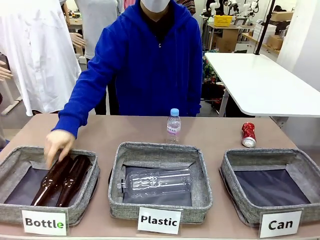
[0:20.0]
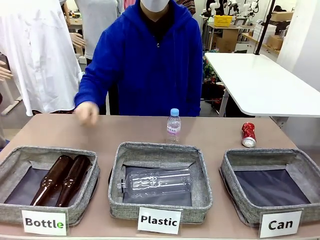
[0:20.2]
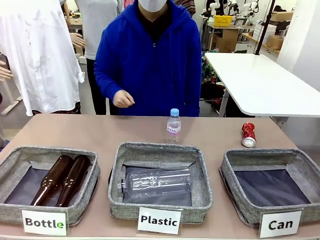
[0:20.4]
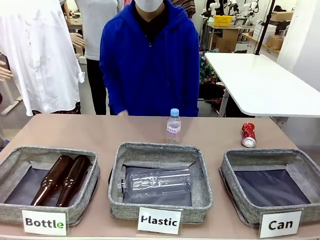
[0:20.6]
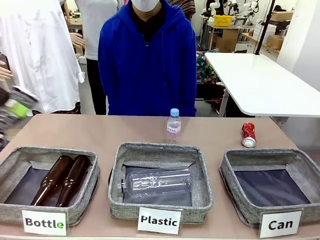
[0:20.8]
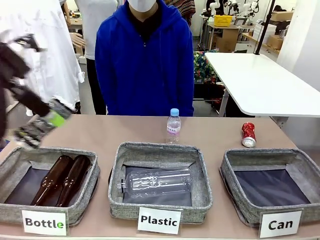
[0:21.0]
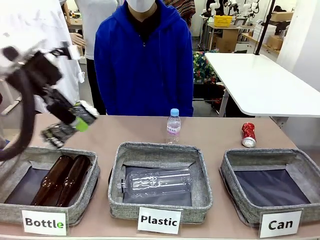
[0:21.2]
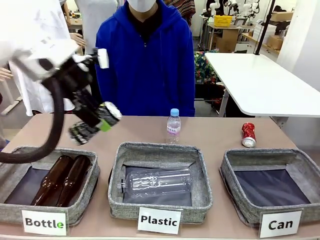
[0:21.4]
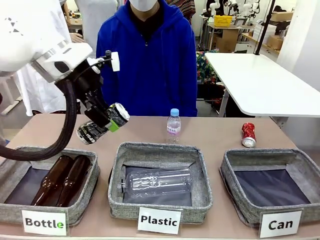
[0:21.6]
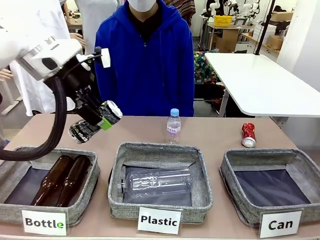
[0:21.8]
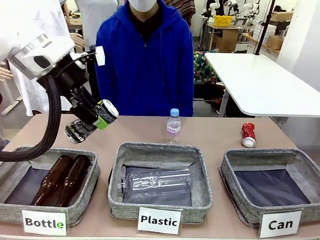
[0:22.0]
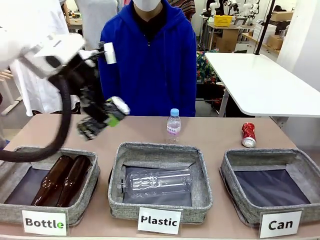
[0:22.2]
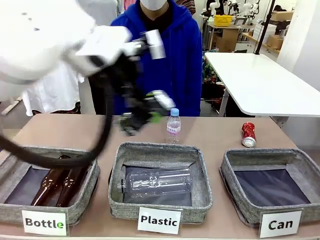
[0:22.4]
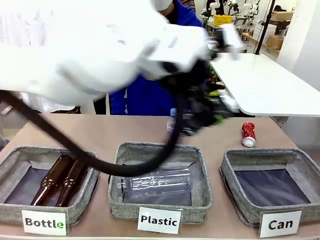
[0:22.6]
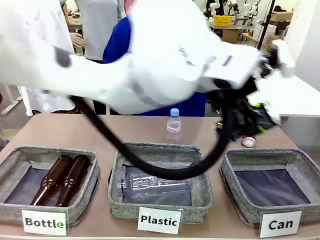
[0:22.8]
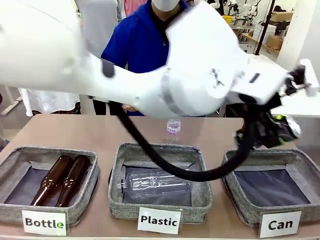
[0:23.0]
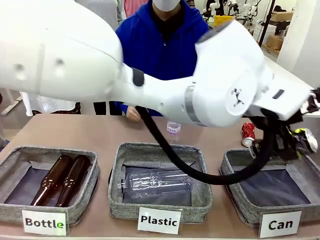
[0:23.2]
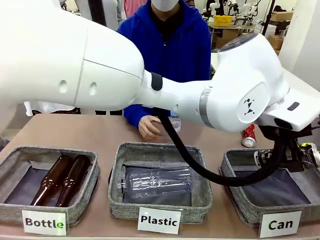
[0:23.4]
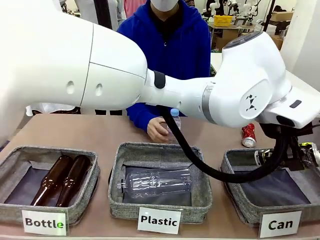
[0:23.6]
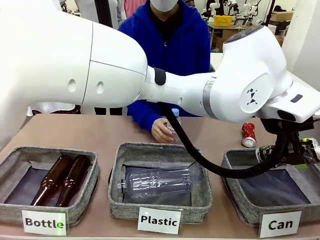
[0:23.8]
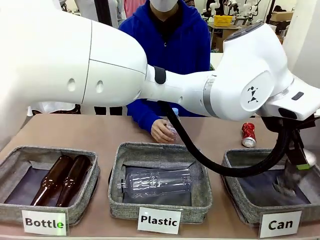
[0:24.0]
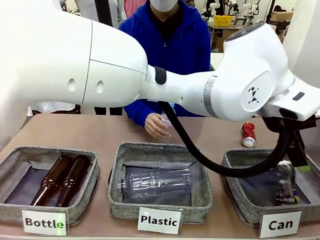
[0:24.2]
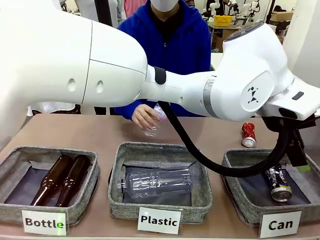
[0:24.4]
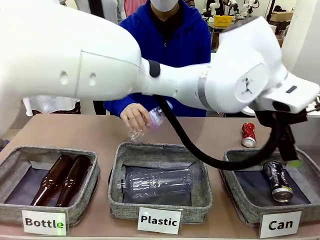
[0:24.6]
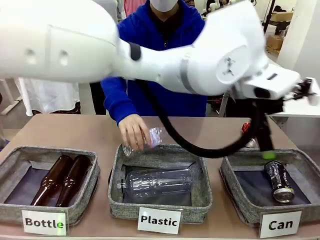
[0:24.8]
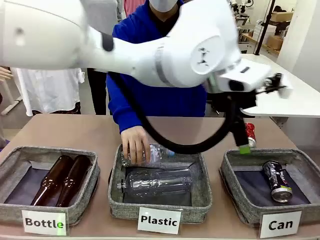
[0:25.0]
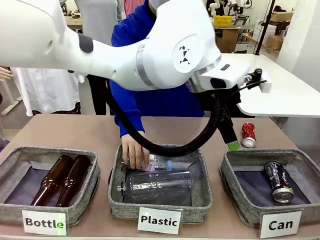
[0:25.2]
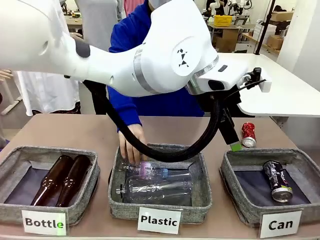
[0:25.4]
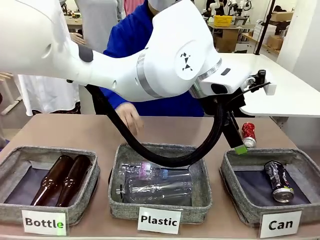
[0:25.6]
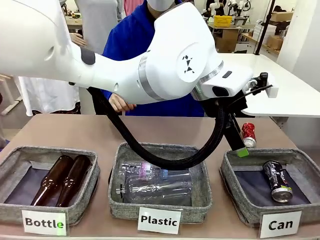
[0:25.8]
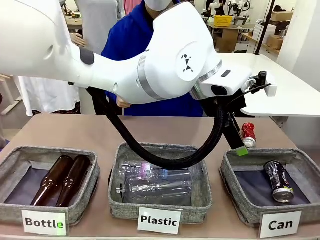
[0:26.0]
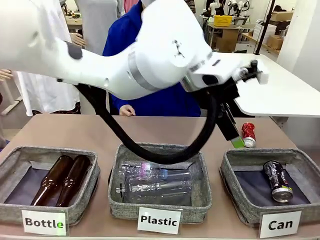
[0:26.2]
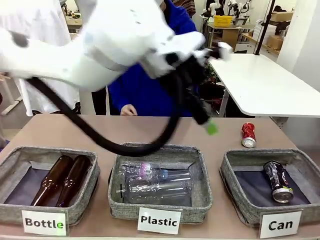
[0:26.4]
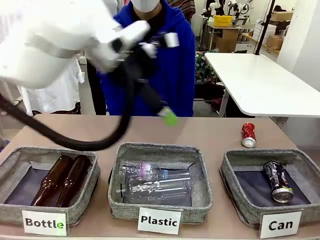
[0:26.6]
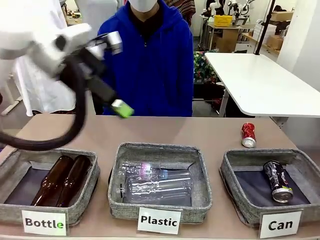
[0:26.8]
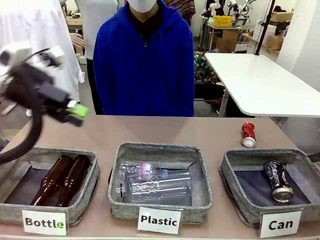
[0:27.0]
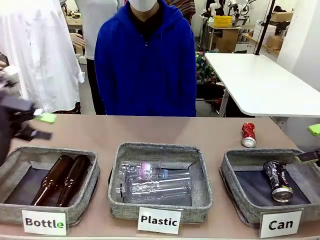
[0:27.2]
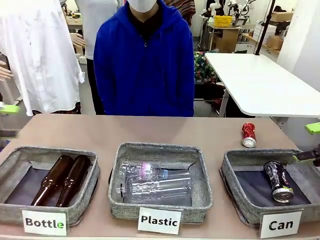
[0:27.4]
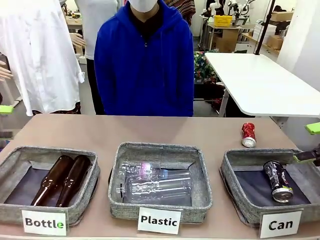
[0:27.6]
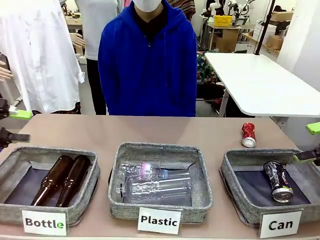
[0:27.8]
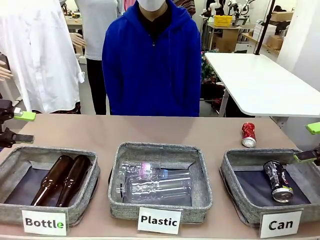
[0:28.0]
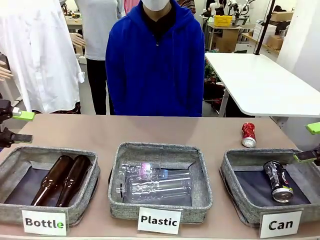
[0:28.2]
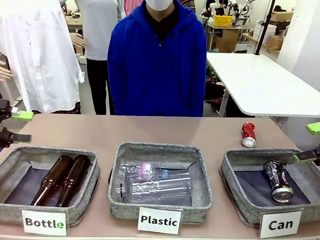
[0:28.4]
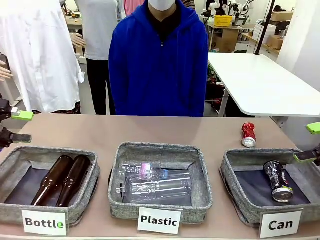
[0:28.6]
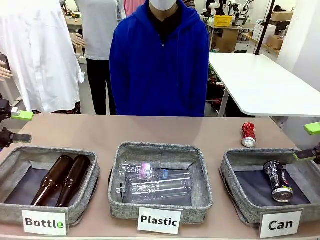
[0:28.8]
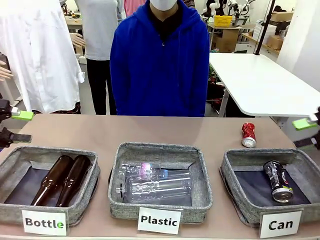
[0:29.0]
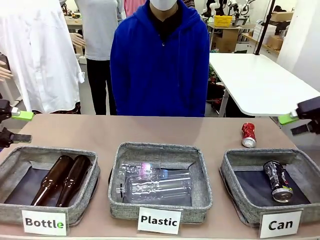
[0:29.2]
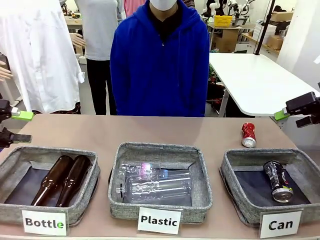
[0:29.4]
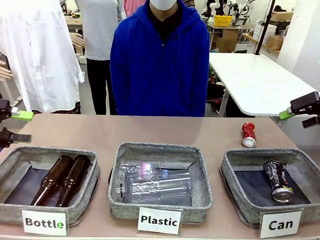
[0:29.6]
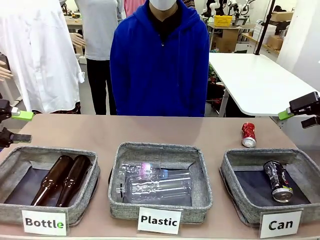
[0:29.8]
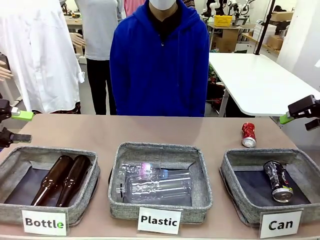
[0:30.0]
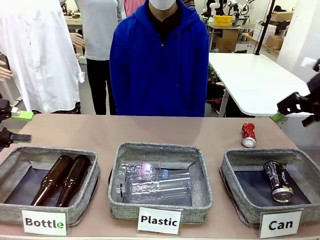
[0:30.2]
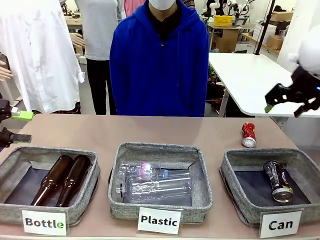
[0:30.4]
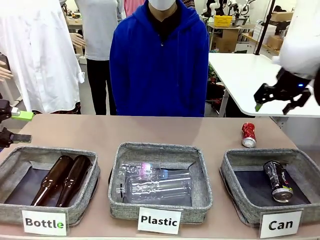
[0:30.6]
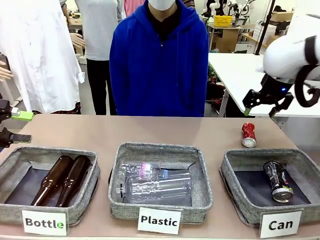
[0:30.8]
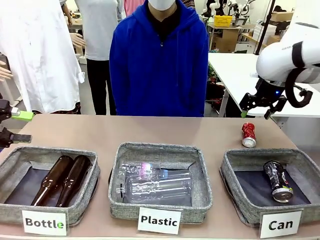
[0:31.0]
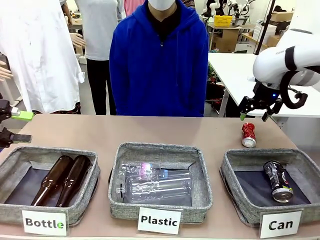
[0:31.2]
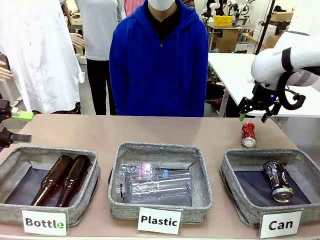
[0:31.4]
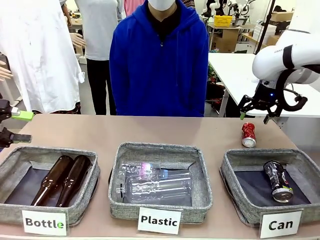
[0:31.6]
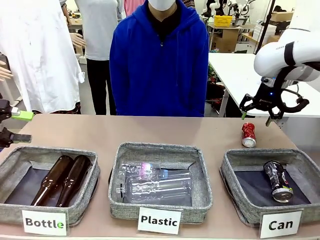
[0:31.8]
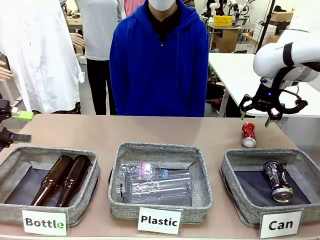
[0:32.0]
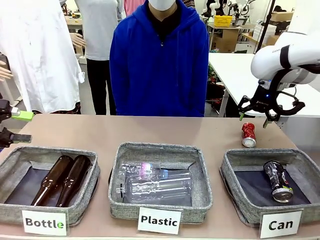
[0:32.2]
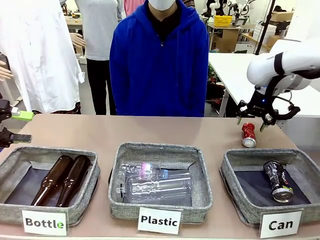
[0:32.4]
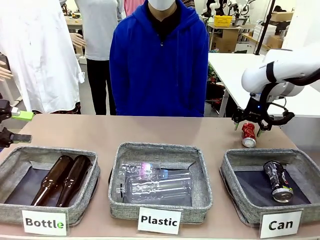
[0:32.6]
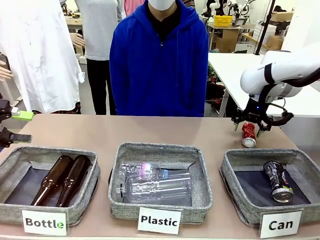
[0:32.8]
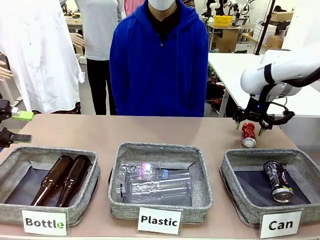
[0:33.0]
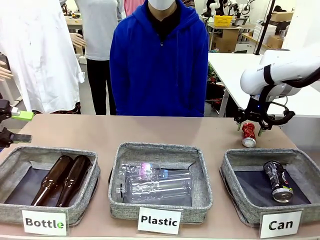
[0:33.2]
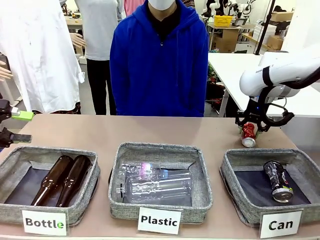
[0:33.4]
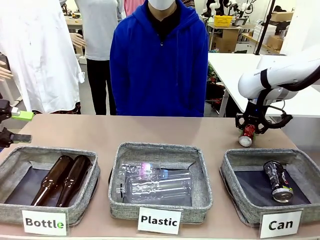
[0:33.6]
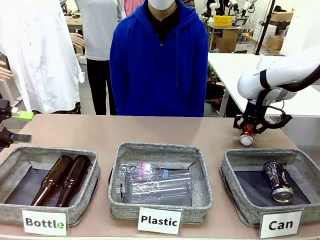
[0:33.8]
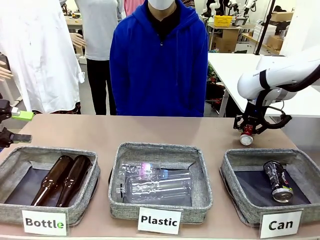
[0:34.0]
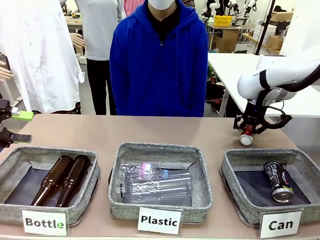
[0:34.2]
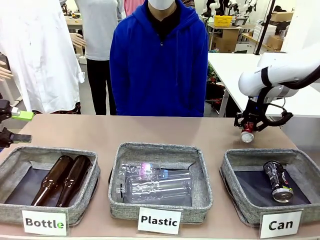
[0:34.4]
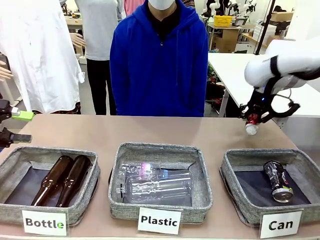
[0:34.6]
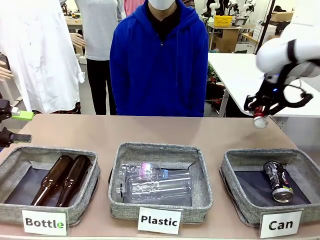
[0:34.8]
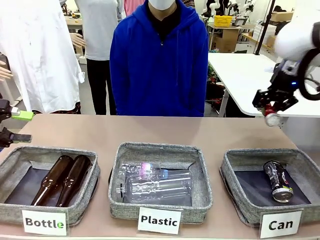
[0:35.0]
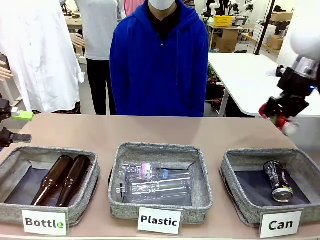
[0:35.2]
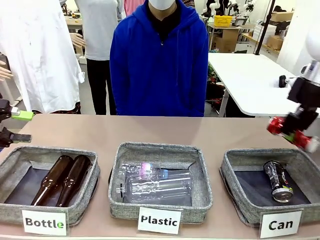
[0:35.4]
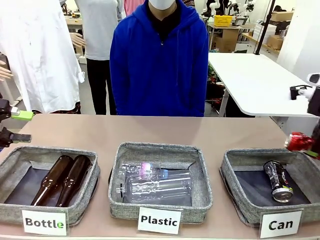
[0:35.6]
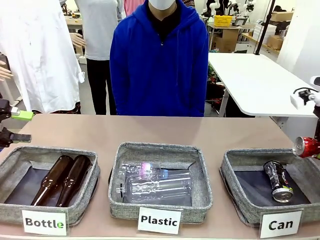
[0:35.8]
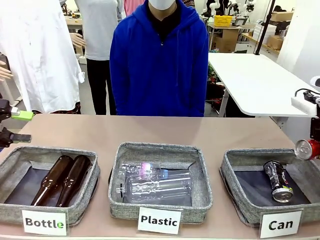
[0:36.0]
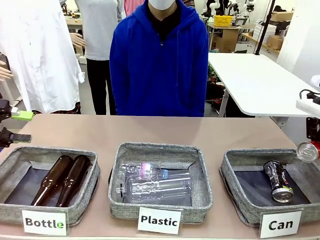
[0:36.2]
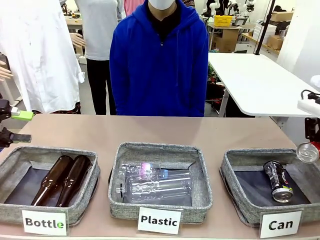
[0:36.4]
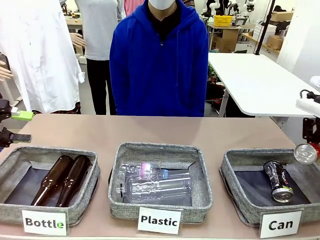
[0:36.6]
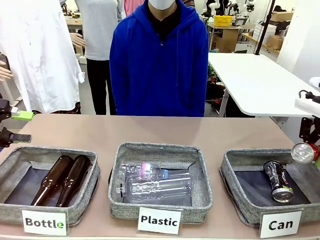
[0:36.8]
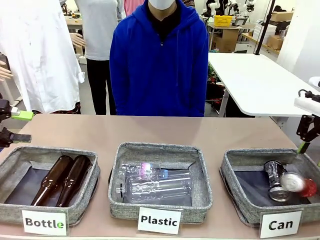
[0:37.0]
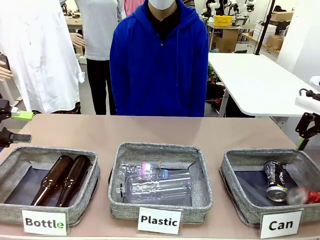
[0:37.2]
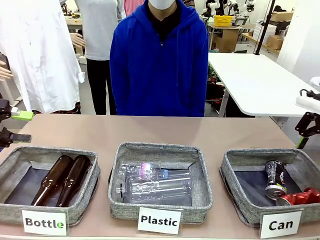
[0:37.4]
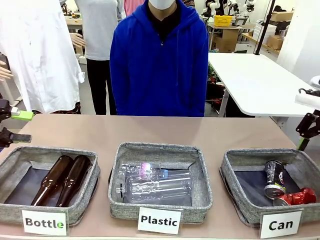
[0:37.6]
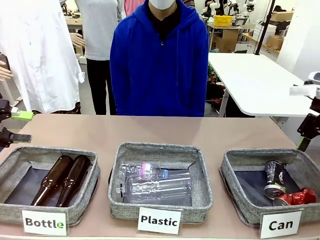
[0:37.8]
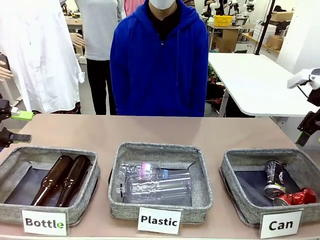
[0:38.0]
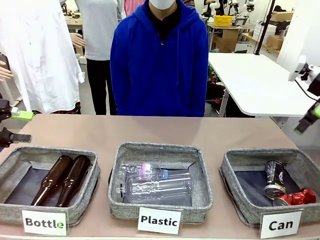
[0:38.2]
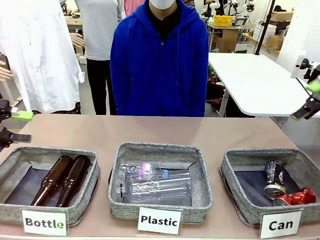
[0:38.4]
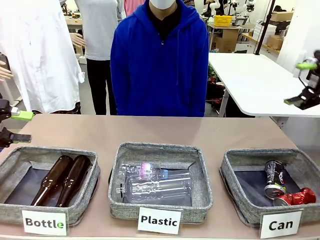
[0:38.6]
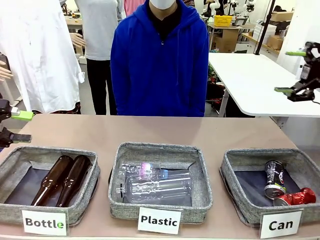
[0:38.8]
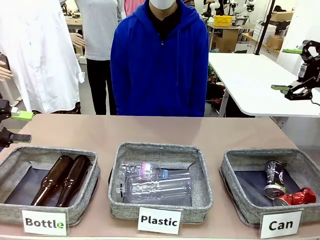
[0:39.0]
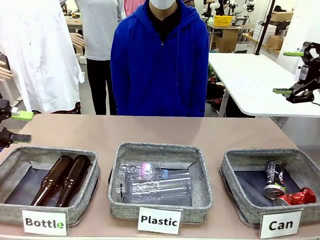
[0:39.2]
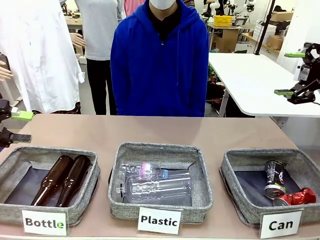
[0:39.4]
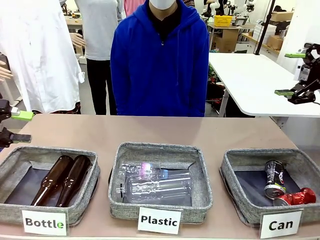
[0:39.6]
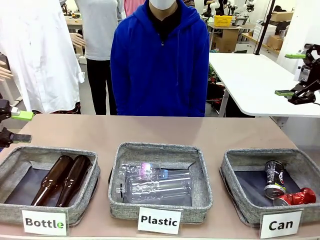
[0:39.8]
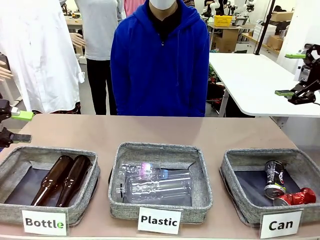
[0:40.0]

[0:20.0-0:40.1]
Task: Sort the can waste into the basket.
Robot: Pick up the can waste from the table and place it in the right Fabric basket.
Person: The human picks up one piece of trash that is not a can and places the trash into the appropriate organizing basket.
